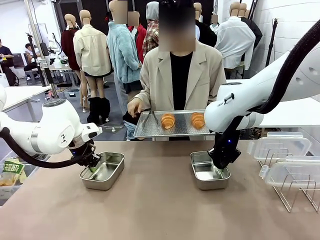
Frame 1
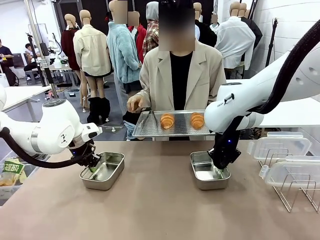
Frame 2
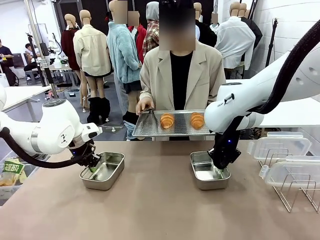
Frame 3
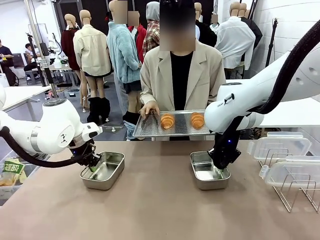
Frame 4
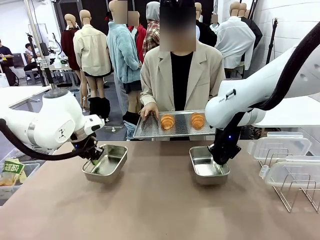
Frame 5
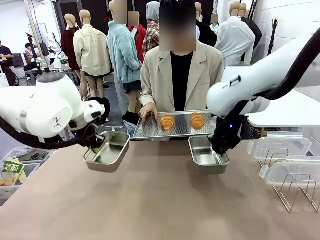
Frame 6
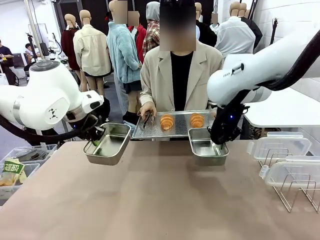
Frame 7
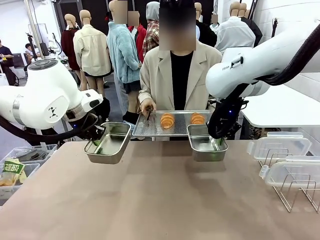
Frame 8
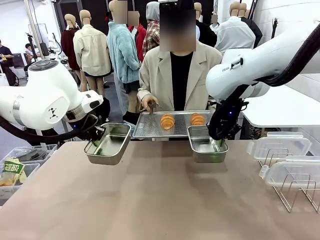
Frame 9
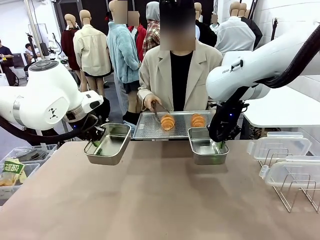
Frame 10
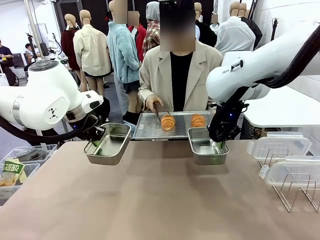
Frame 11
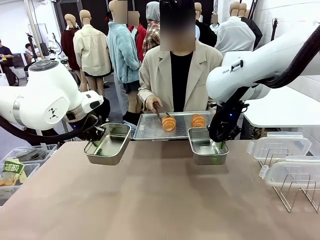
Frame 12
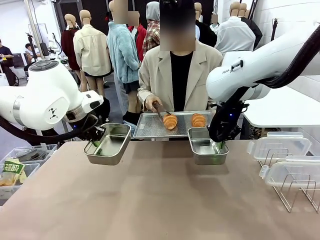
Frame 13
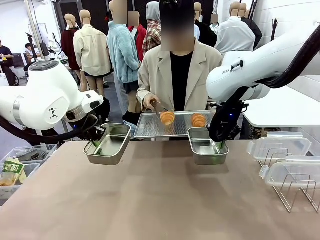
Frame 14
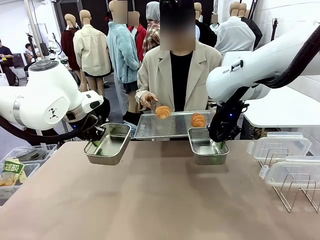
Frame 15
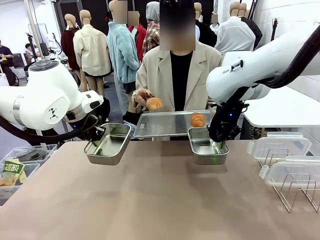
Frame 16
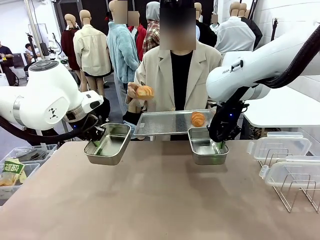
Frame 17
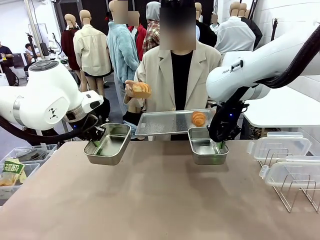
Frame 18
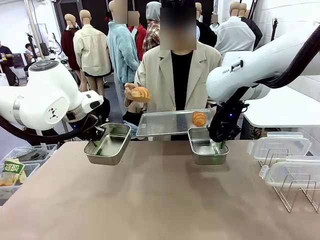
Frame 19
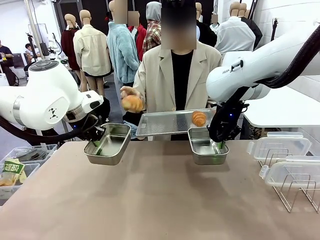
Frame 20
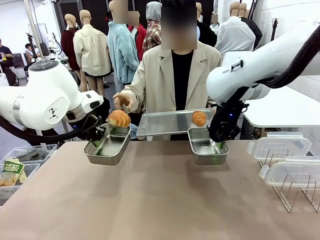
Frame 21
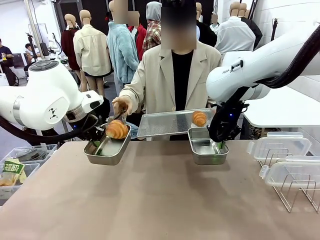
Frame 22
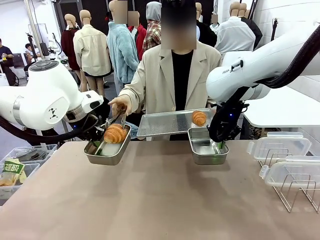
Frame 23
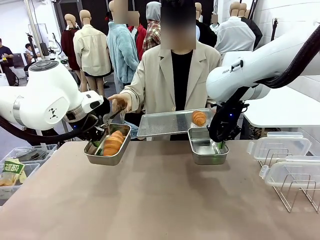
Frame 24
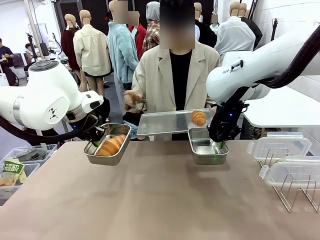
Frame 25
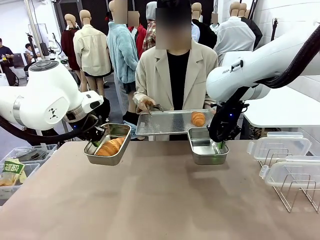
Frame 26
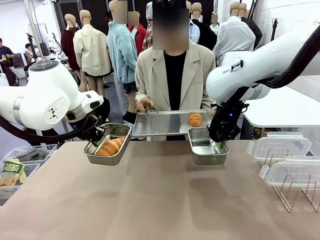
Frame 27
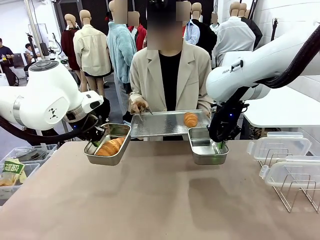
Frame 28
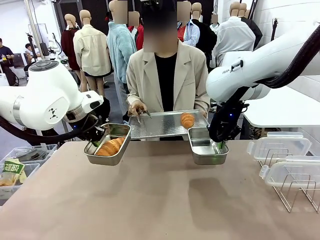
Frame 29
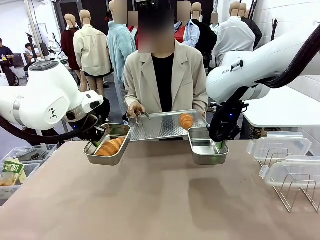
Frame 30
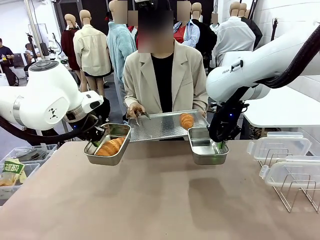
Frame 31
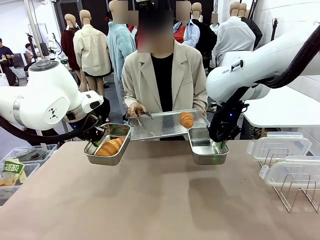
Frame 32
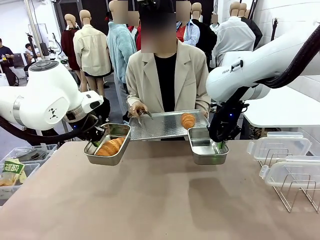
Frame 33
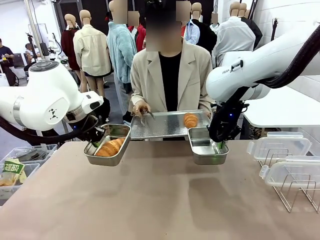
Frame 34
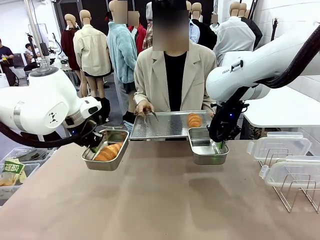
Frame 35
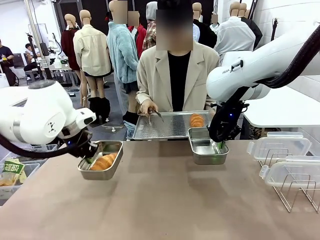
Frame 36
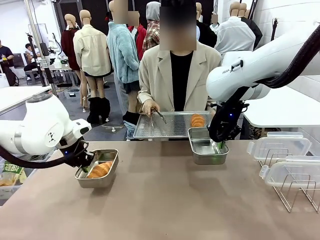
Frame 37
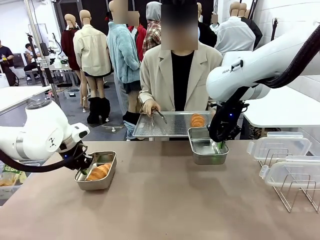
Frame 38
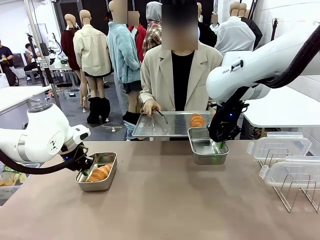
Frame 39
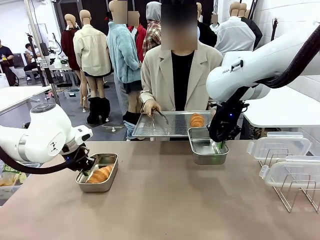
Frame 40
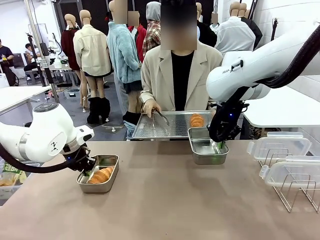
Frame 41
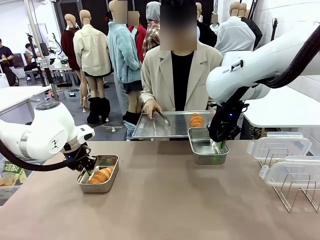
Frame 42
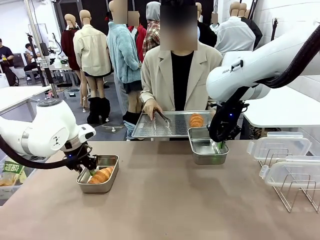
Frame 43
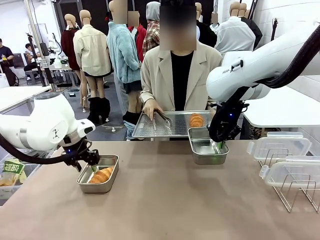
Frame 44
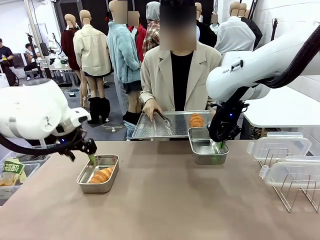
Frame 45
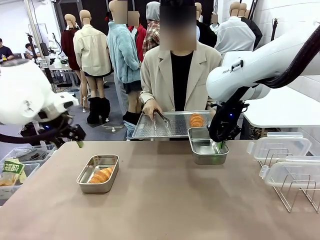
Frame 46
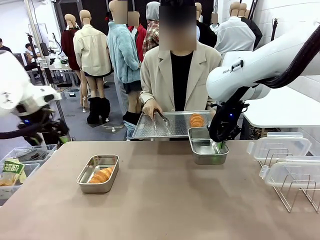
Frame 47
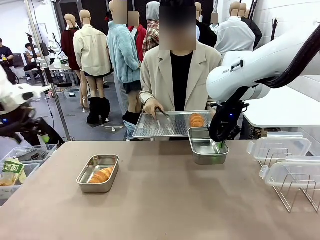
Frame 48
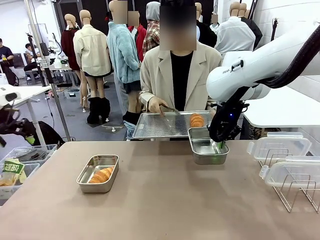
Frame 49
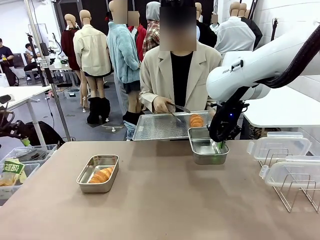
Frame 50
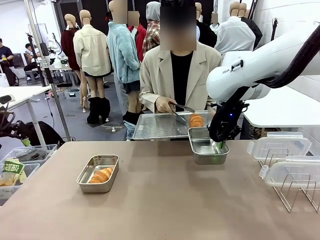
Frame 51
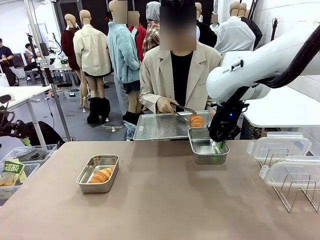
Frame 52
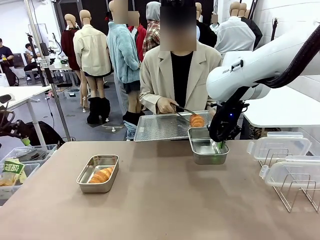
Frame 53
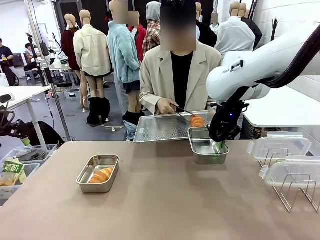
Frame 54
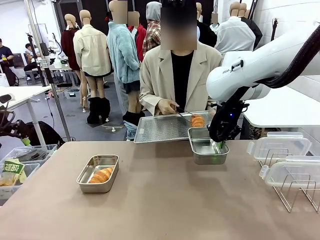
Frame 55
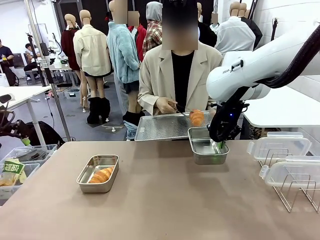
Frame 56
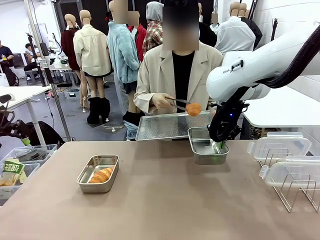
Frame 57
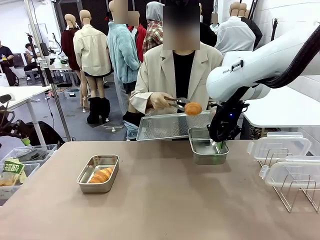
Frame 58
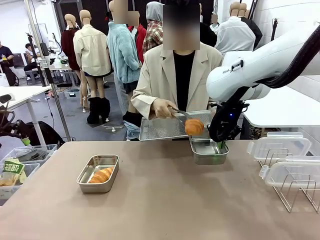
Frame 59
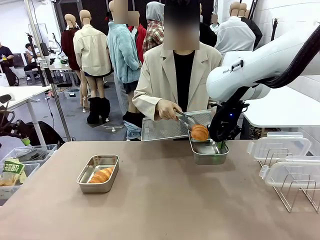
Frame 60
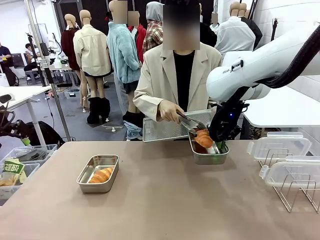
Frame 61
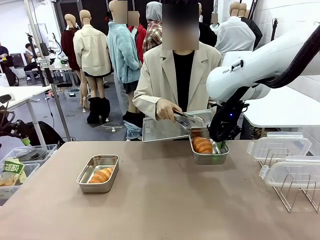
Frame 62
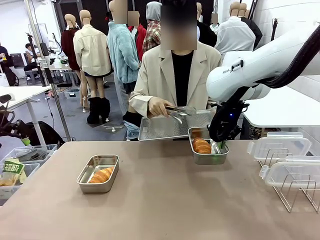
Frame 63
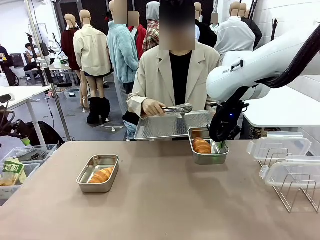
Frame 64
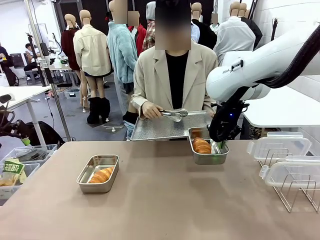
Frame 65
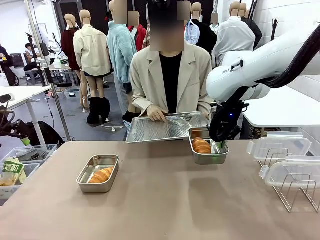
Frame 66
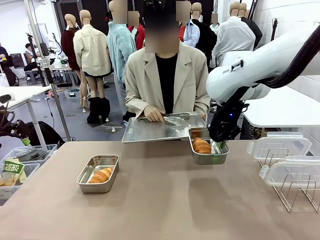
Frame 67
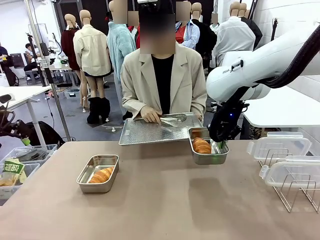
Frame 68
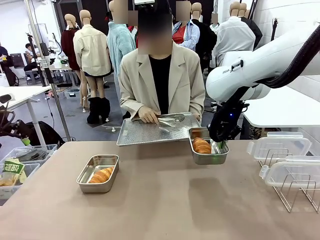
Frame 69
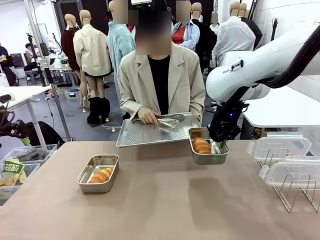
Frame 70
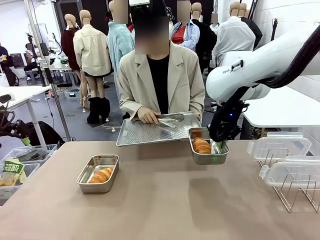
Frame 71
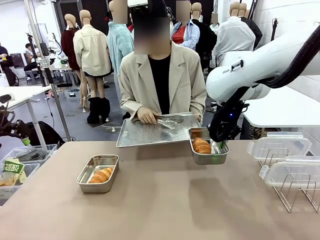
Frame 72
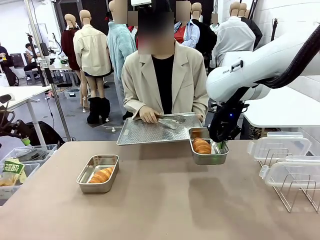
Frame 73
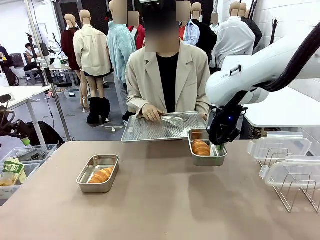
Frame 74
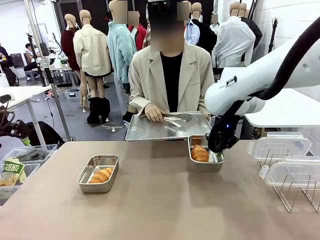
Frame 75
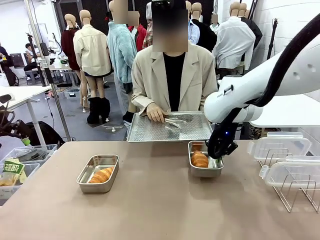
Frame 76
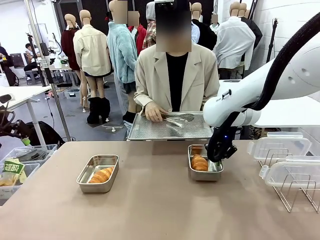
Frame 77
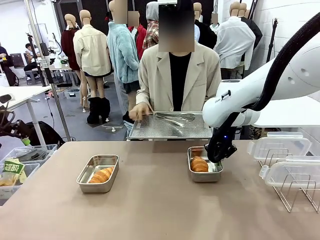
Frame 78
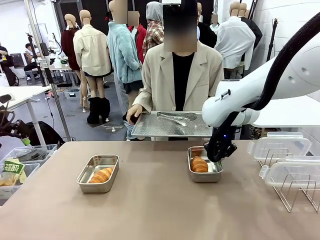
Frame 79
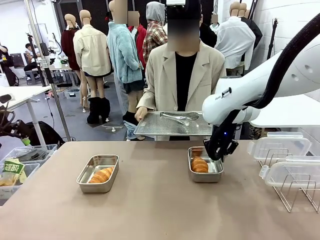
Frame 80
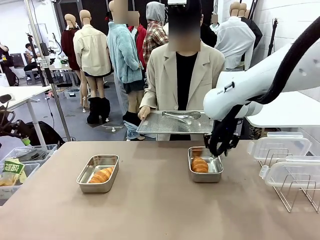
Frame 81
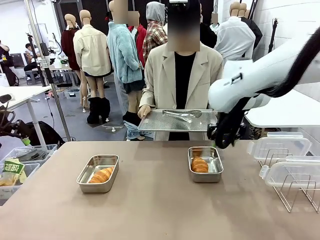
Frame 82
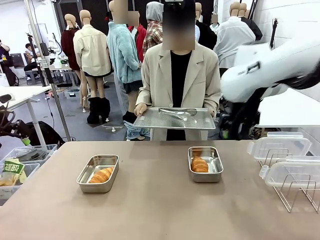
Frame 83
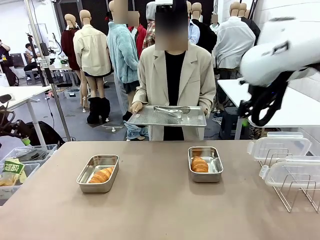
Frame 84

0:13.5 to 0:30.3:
Task: Place the bread in airtight containers.
Robot: Once an object is inside an Airtight Container , place the container in the center of the table.
Person: Use the Stainless steel tongs to place one object from Baking Sheet into one Airtight Container.
